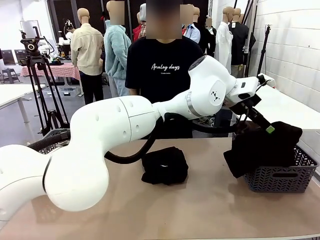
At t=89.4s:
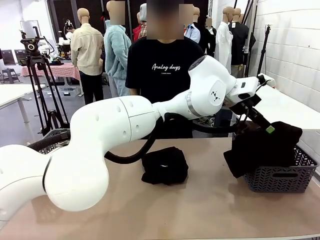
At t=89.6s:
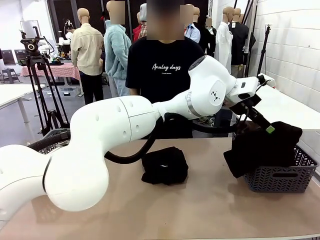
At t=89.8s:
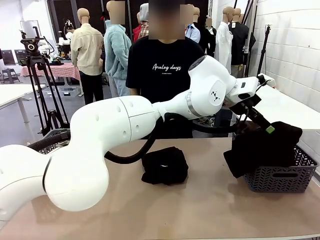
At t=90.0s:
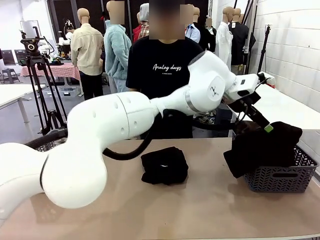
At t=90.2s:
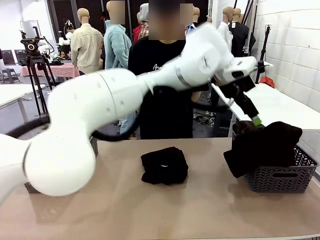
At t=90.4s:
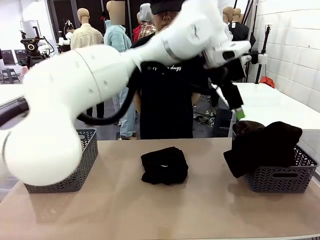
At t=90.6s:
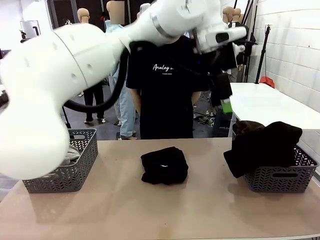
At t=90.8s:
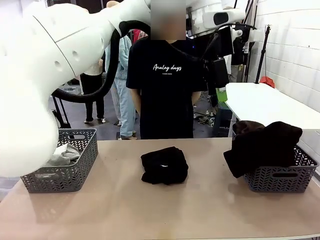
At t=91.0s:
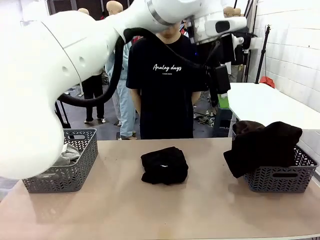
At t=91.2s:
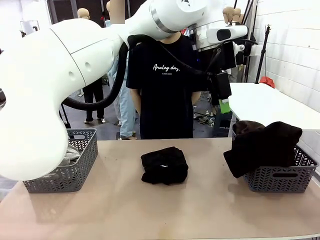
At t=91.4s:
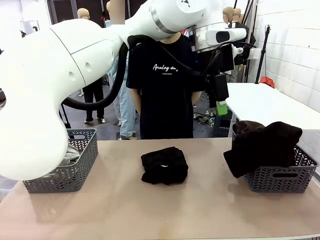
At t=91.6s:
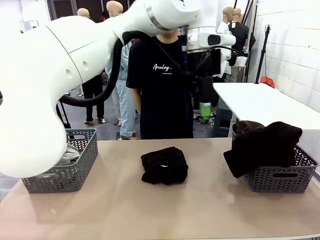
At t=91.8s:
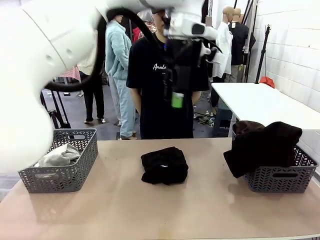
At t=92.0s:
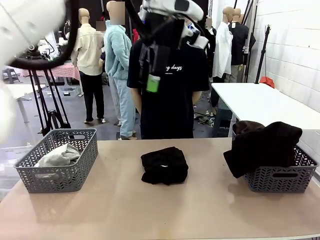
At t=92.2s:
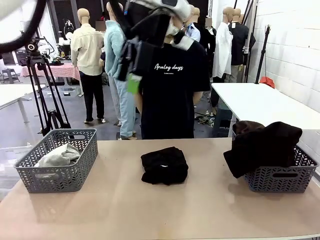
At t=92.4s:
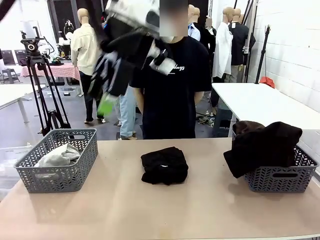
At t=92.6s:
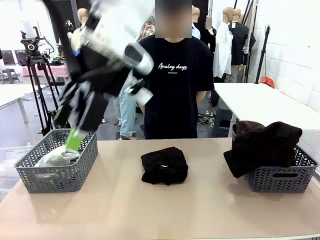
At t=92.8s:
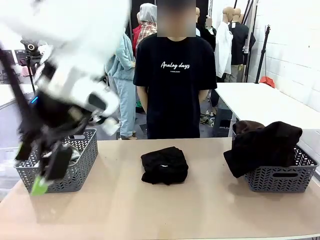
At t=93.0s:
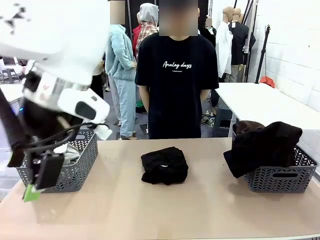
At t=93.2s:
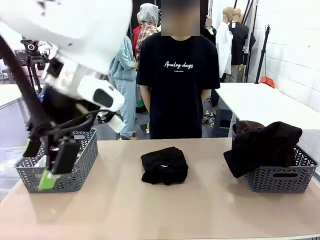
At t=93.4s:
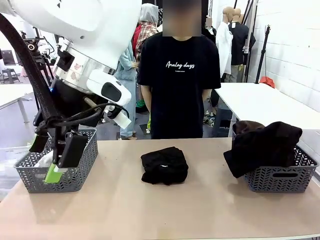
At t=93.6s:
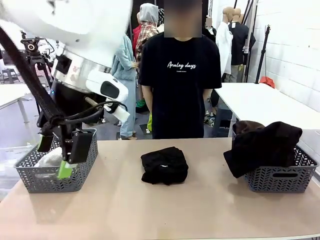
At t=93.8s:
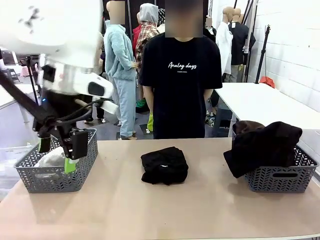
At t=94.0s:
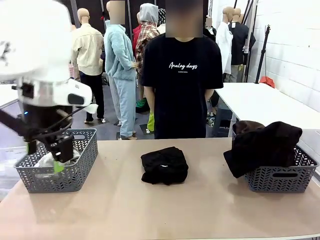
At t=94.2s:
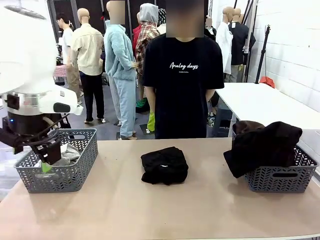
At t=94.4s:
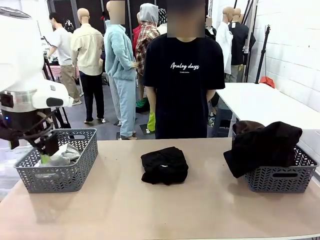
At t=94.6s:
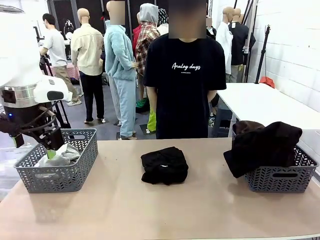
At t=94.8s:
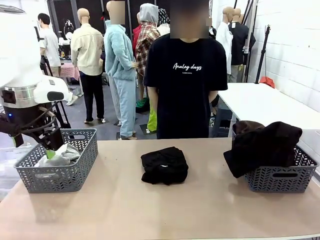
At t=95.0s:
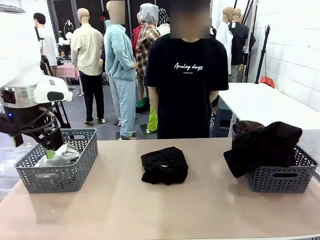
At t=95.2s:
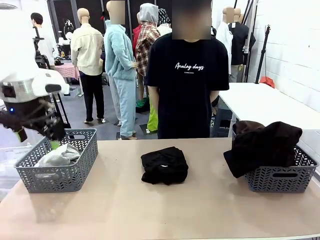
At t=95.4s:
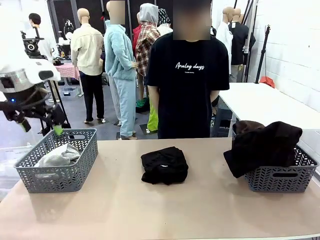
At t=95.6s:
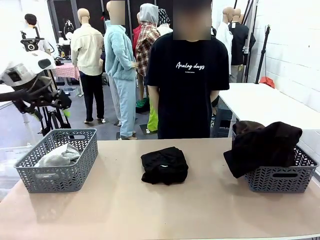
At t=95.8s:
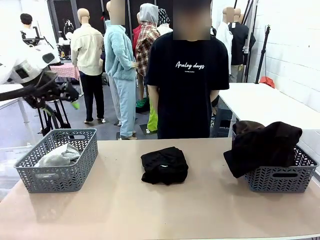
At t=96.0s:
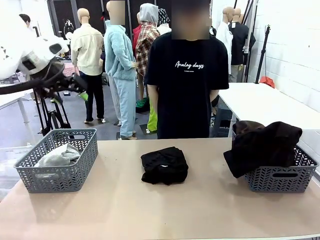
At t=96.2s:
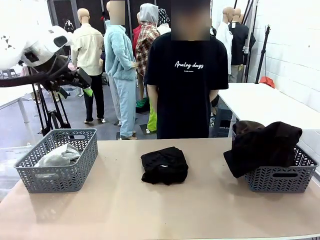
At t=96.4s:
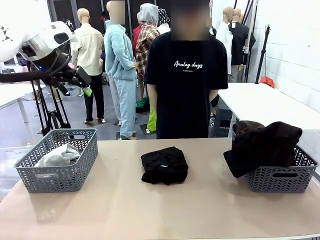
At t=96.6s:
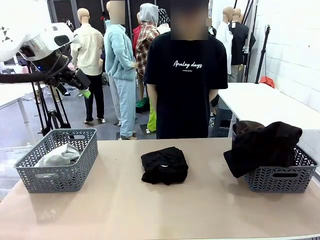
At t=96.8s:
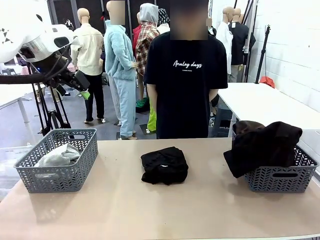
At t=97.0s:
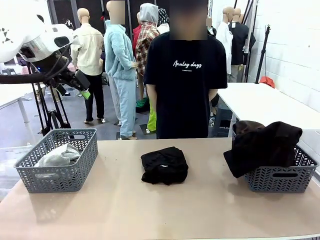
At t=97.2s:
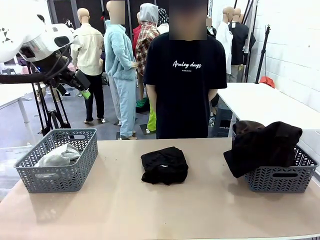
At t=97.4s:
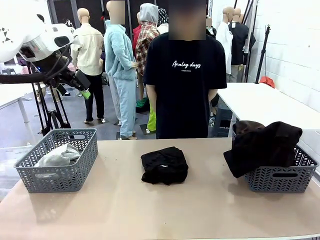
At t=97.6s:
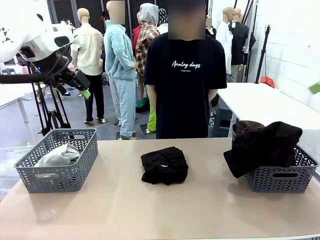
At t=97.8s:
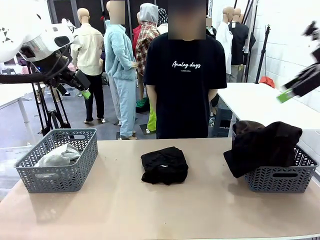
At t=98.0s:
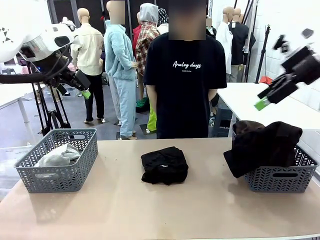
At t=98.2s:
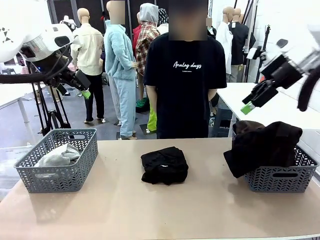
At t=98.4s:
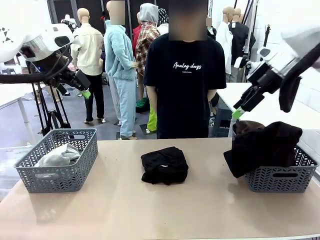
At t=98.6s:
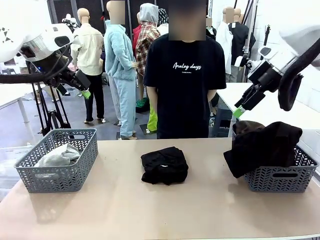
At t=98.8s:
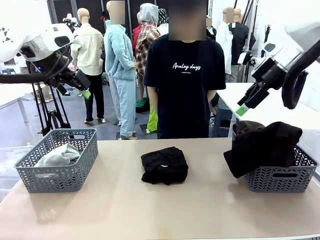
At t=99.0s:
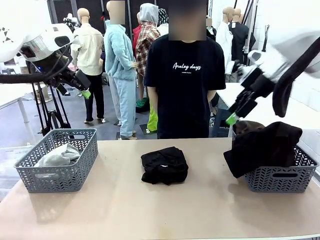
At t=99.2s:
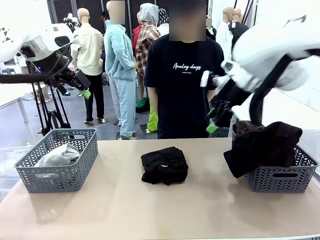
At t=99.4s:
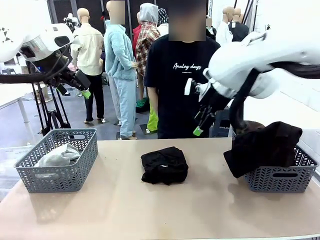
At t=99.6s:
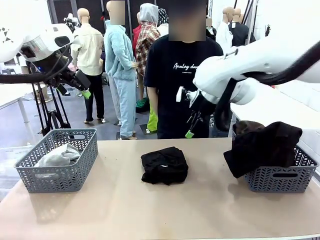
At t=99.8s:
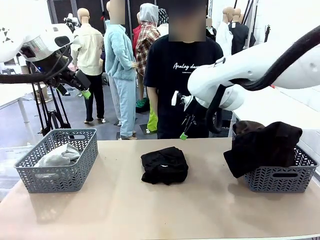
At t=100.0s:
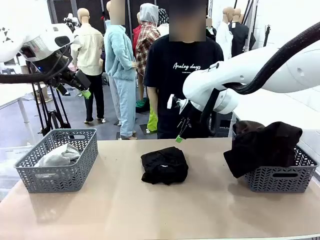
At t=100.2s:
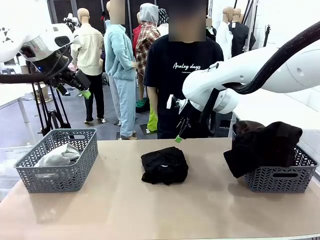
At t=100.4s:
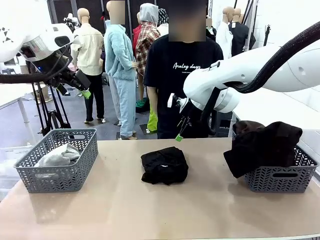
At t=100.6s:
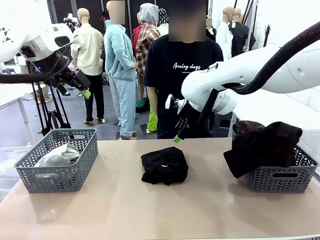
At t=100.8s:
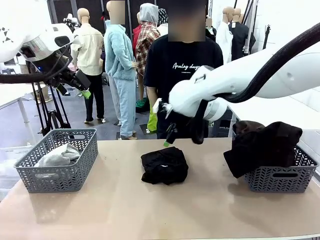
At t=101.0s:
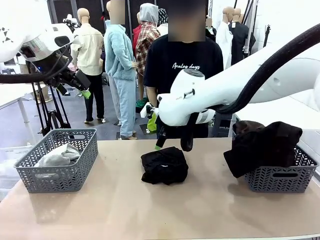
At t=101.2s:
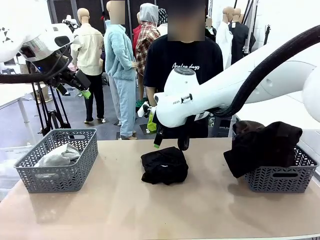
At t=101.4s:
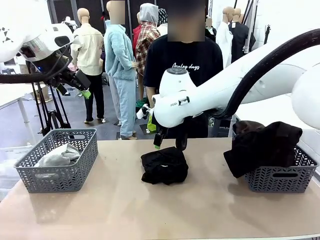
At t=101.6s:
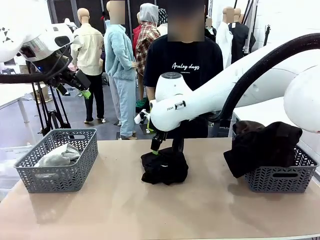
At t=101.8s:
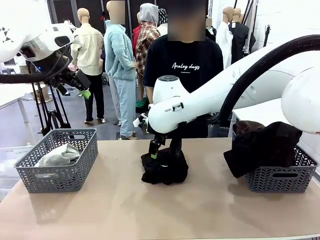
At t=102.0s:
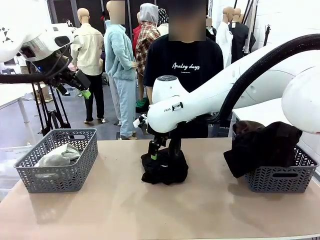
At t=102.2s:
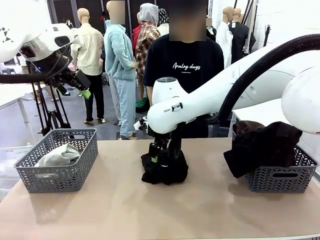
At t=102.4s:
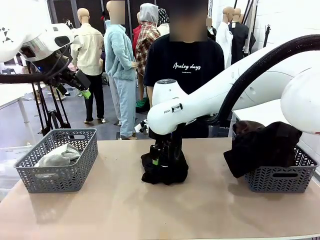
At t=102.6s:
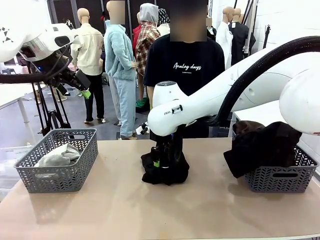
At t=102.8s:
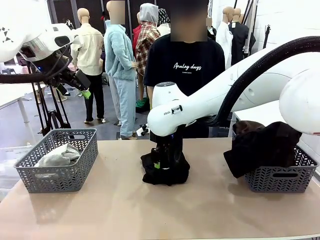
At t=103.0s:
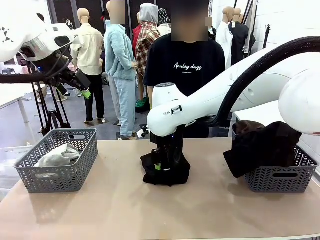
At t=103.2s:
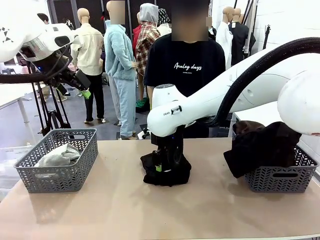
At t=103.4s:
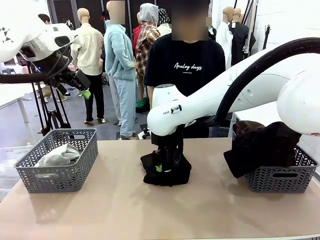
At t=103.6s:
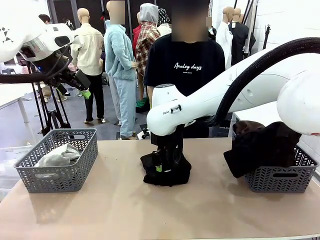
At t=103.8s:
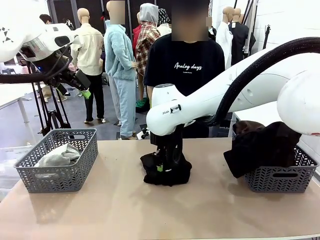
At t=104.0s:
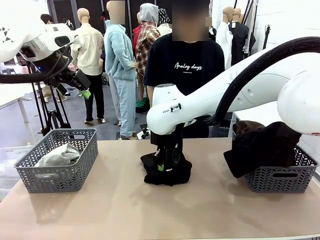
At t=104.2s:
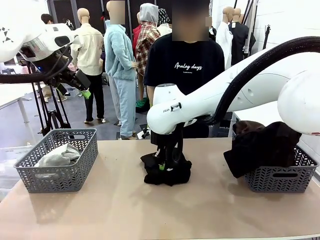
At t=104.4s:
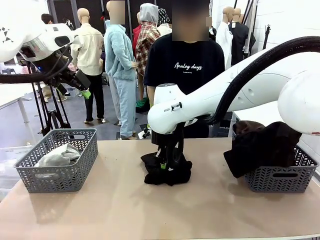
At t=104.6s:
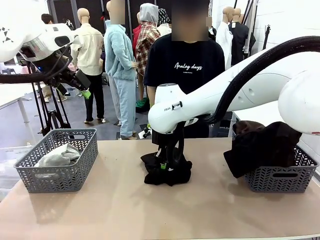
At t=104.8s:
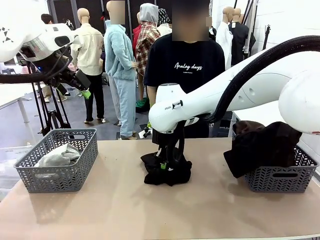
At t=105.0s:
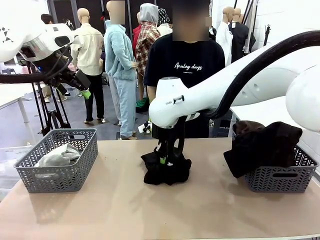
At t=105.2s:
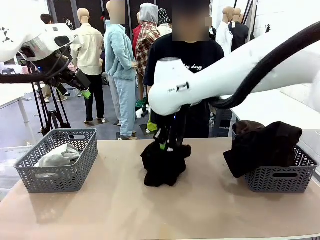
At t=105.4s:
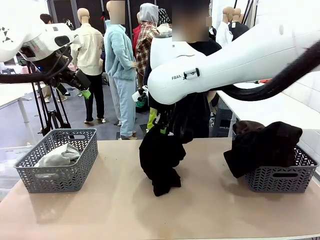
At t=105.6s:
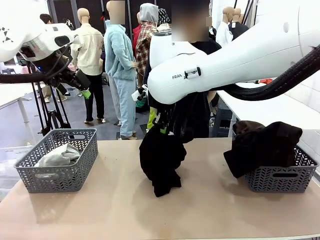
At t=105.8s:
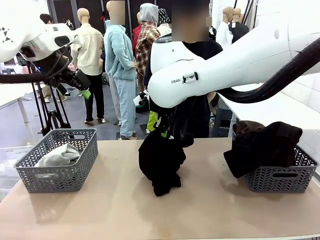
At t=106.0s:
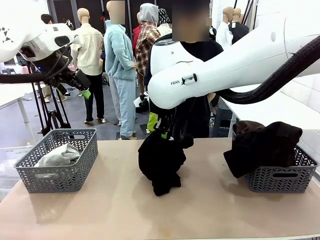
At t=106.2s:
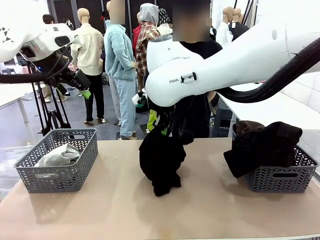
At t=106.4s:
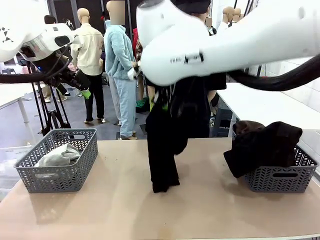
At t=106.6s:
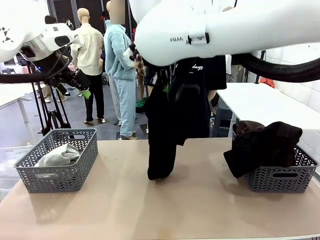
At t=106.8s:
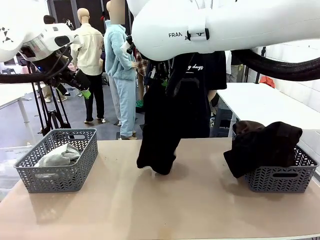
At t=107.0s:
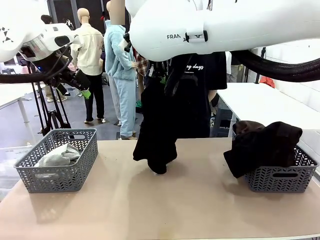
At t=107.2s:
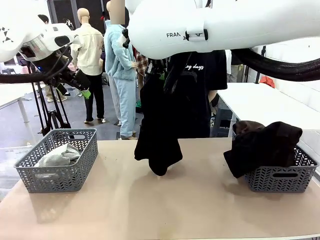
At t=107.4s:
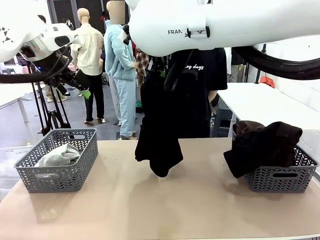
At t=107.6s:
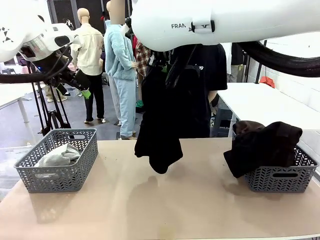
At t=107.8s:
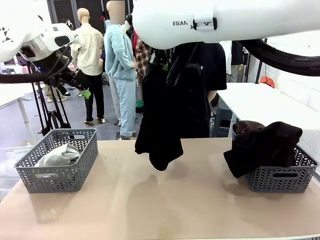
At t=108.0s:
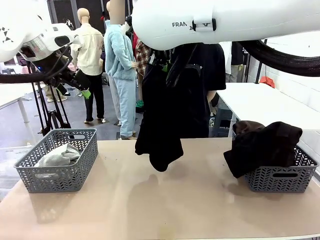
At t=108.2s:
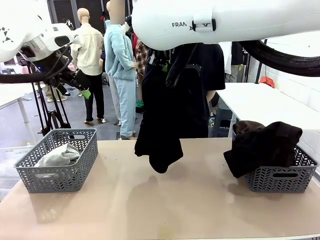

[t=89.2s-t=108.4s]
Task: Sort the tops and bottoms.
Robot: Lift clothes from the center of the table with your right hand.

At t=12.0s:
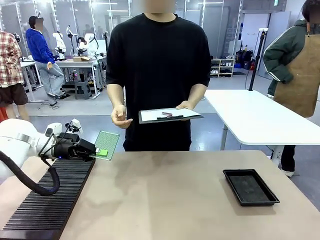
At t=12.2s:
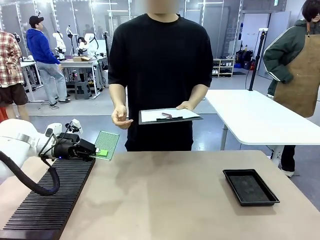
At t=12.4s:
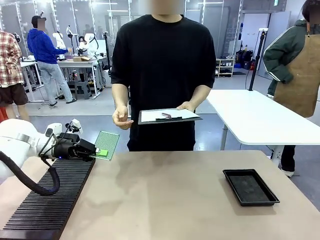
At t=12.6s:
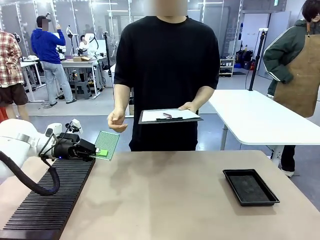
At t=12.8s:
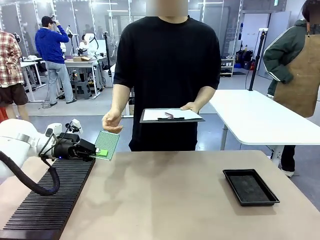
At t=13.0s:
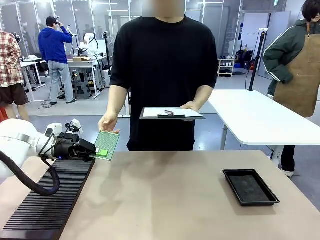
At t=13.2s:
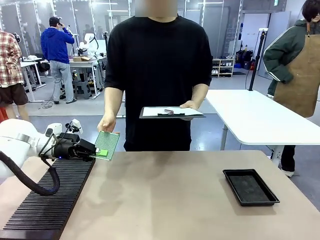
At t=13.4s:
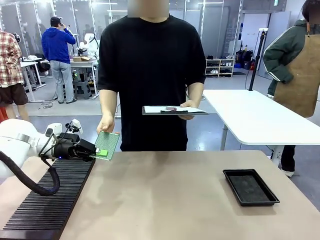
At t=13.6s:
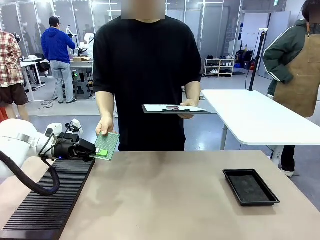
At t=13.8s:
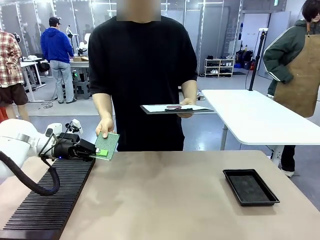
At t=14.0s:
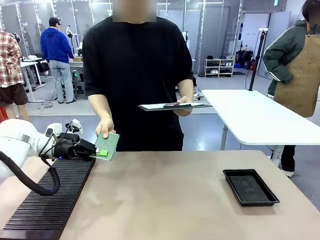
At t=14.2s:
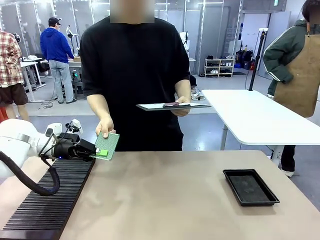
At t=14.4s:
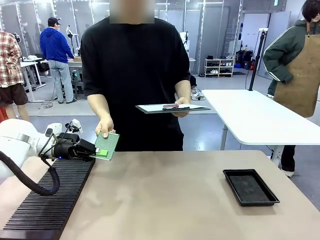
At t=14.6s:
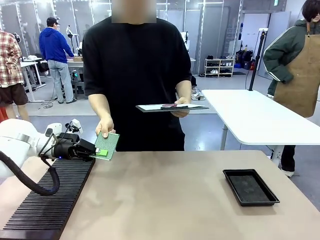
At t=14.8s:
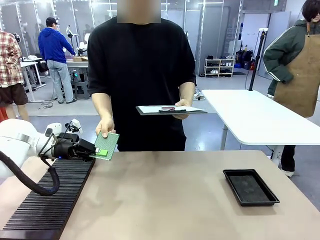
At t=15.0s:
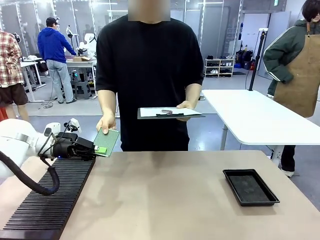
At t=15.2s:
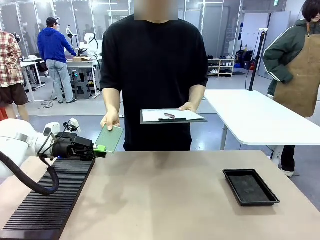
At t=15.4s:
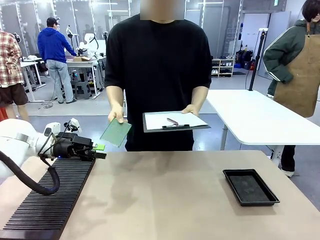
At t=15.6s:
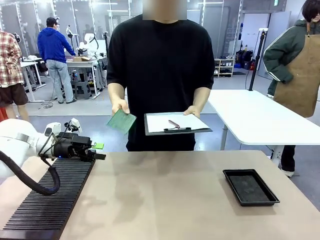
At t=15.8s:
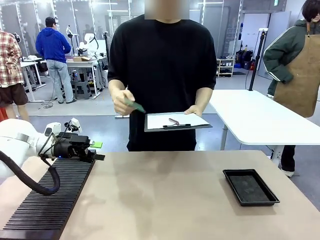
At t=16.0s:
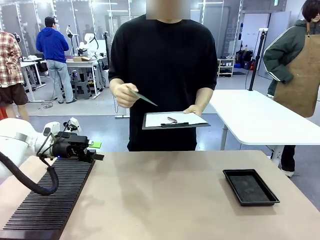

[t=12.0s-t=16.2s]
Task: Inspect the PCB.
Robot: Release the Blank PCB you were holding.
